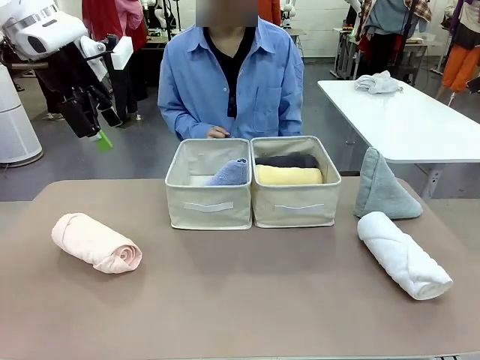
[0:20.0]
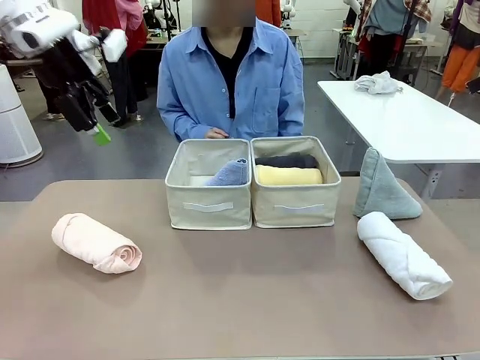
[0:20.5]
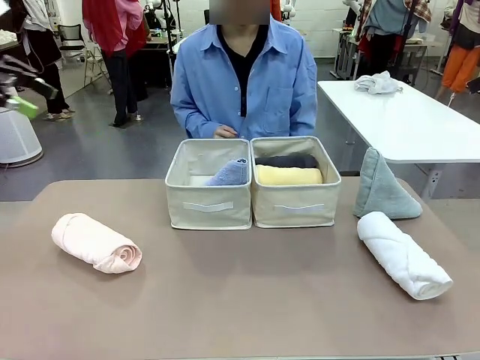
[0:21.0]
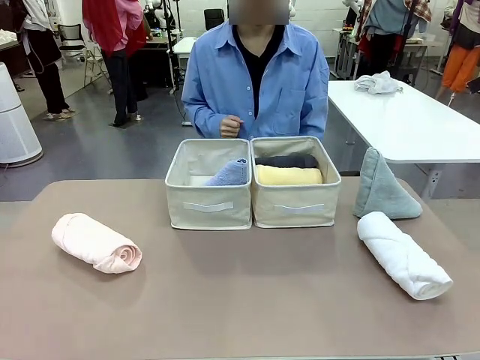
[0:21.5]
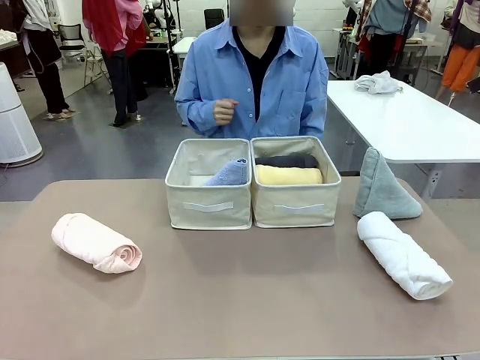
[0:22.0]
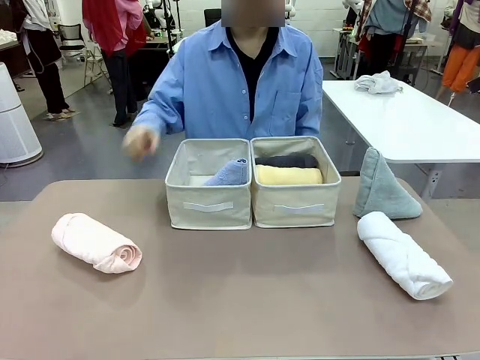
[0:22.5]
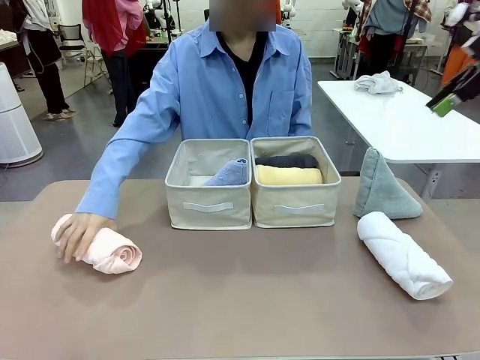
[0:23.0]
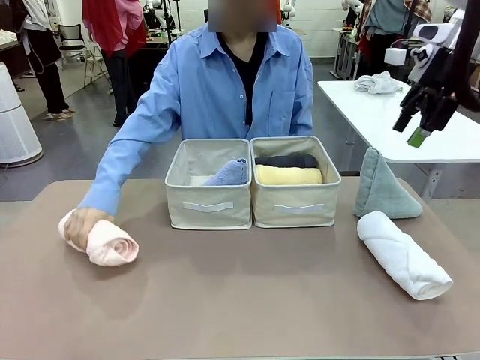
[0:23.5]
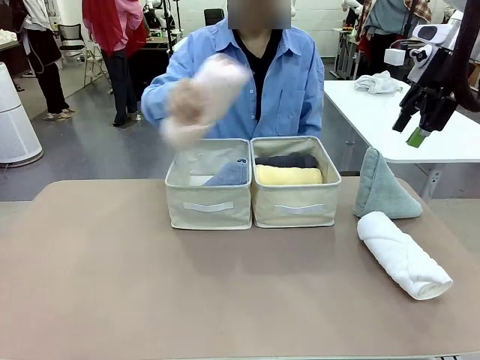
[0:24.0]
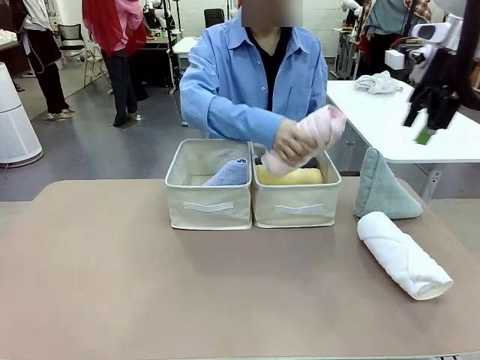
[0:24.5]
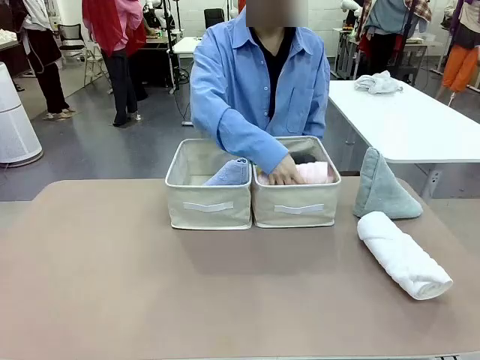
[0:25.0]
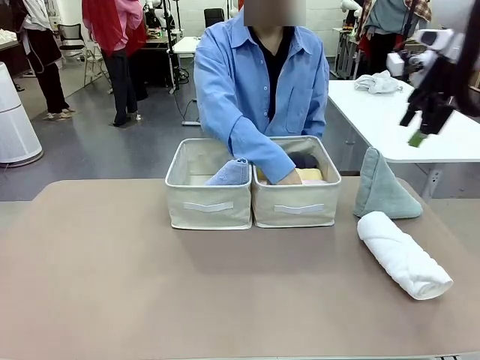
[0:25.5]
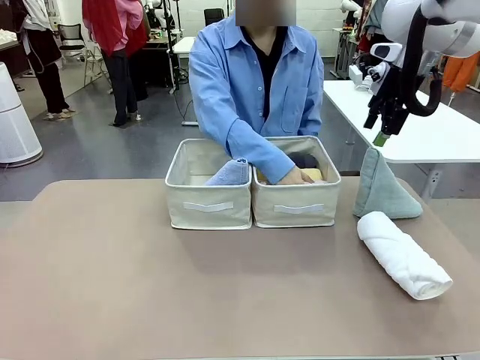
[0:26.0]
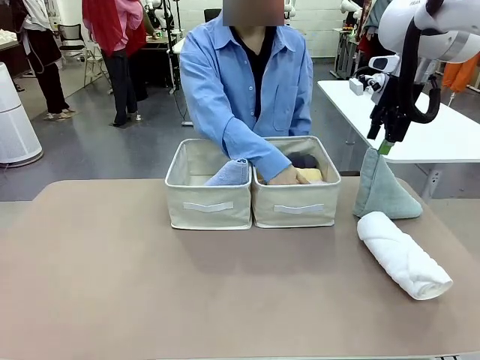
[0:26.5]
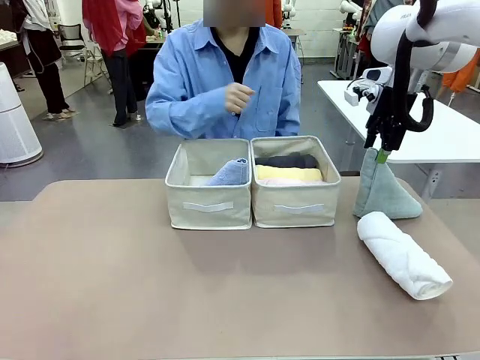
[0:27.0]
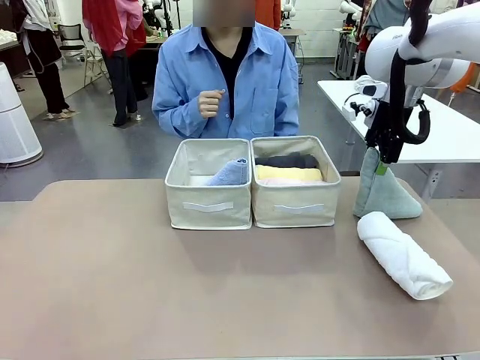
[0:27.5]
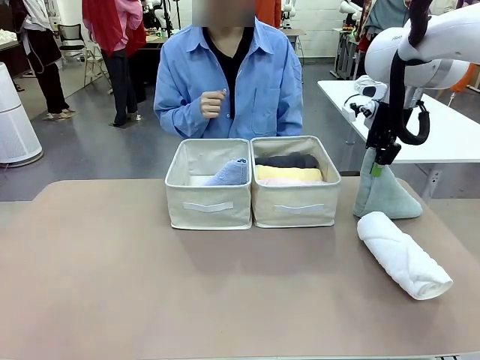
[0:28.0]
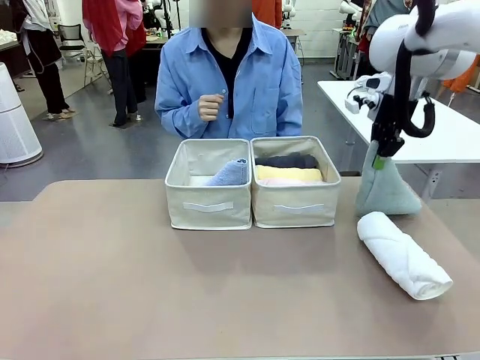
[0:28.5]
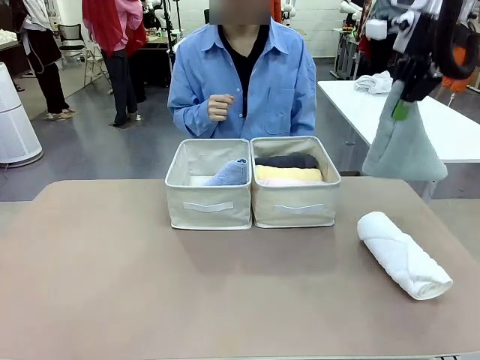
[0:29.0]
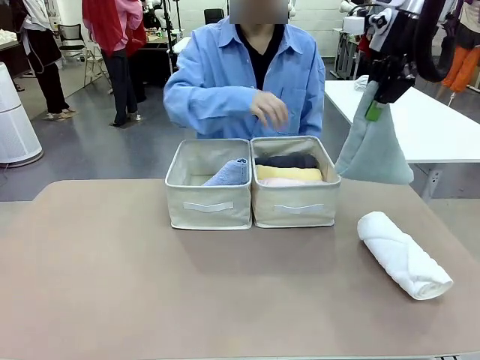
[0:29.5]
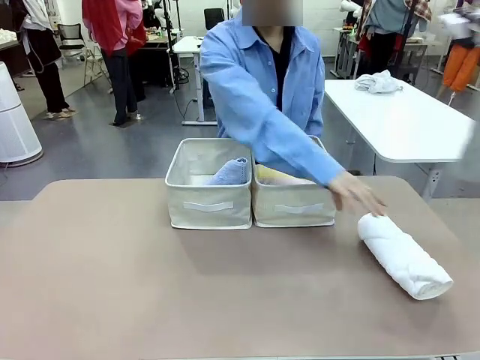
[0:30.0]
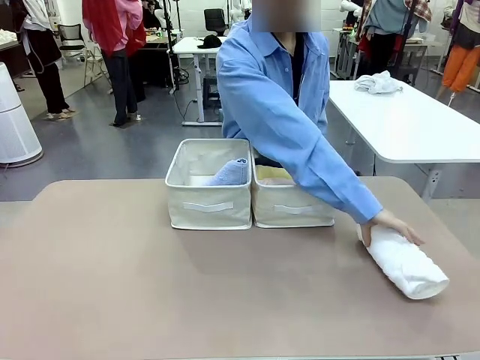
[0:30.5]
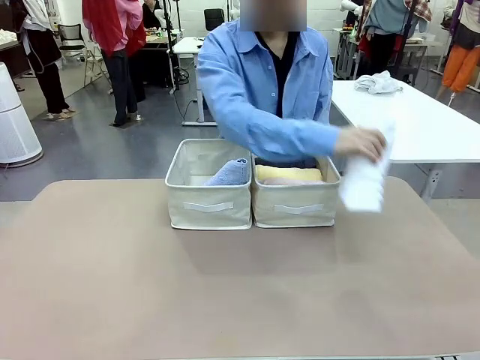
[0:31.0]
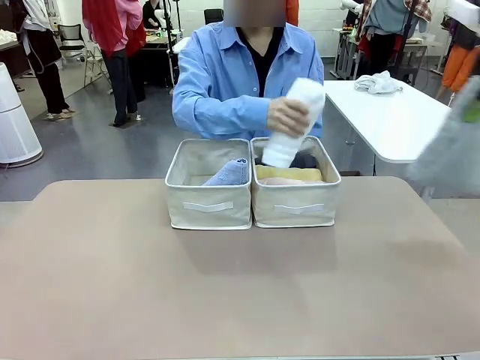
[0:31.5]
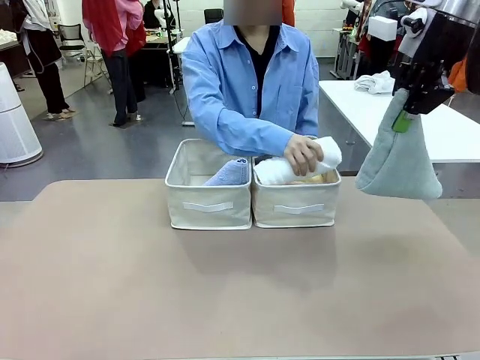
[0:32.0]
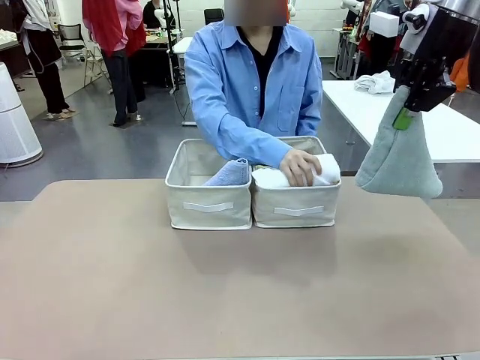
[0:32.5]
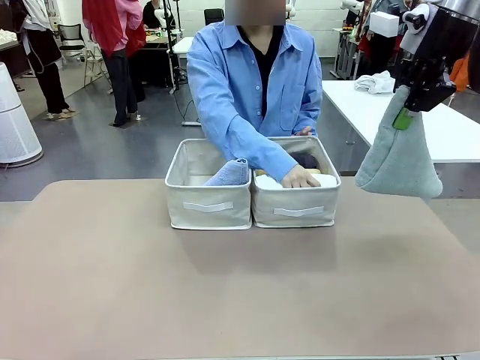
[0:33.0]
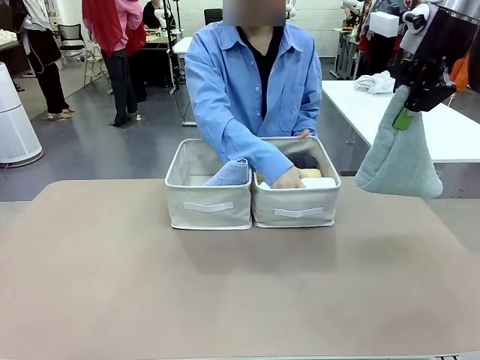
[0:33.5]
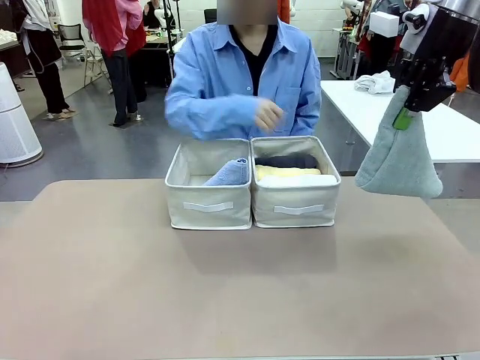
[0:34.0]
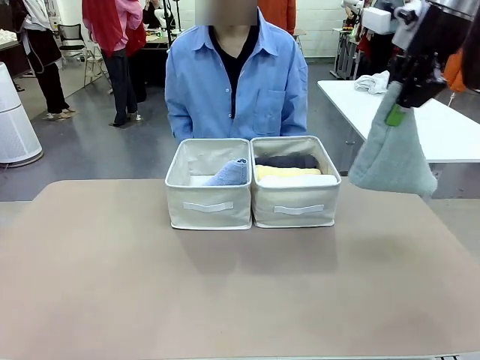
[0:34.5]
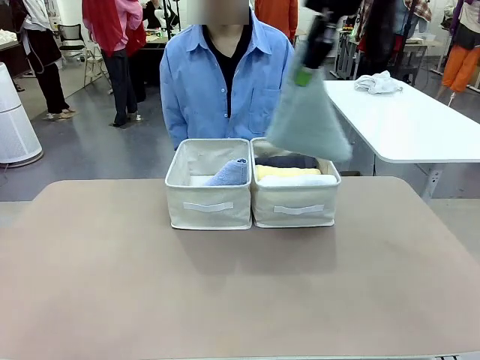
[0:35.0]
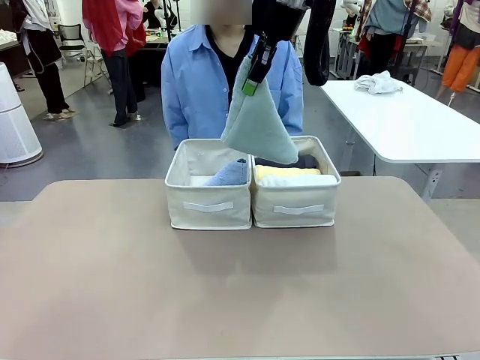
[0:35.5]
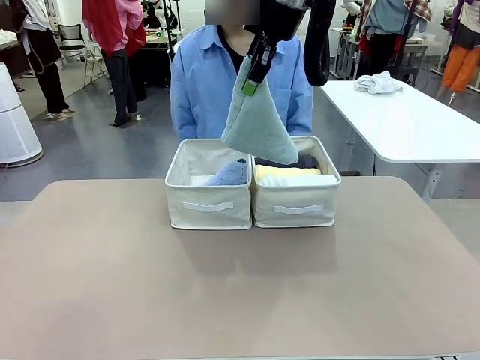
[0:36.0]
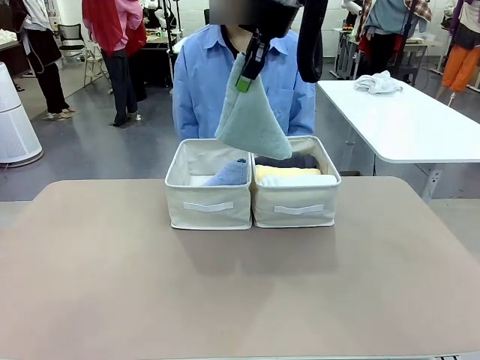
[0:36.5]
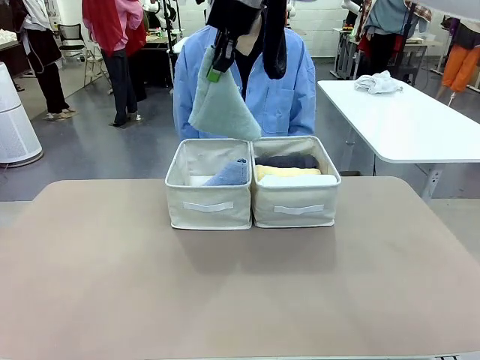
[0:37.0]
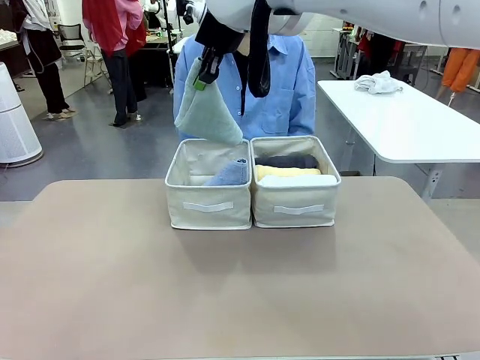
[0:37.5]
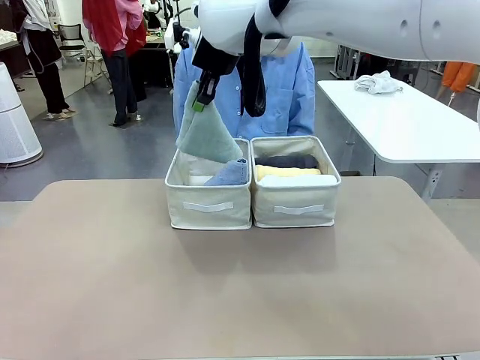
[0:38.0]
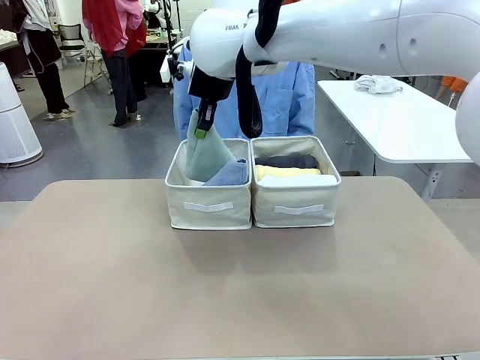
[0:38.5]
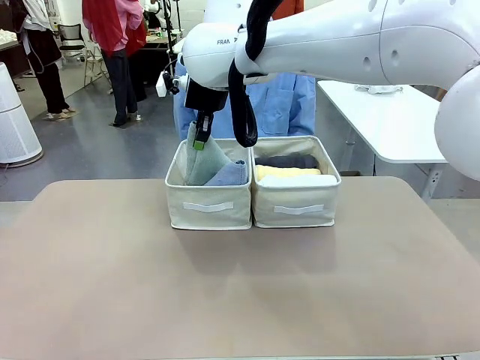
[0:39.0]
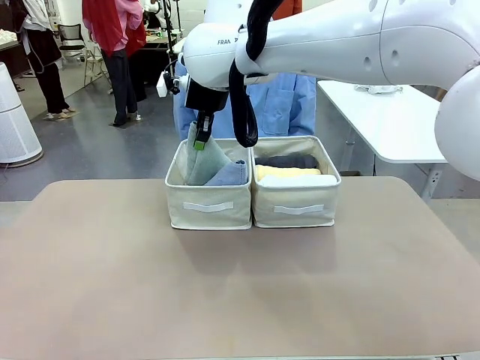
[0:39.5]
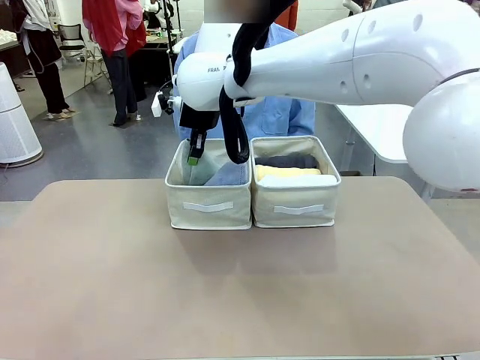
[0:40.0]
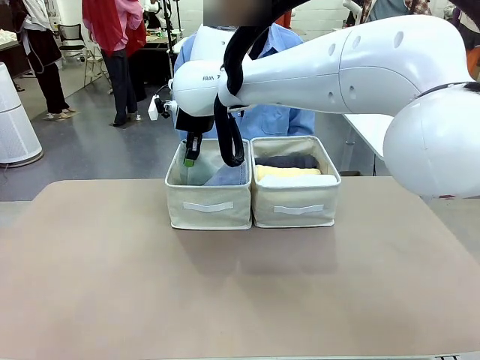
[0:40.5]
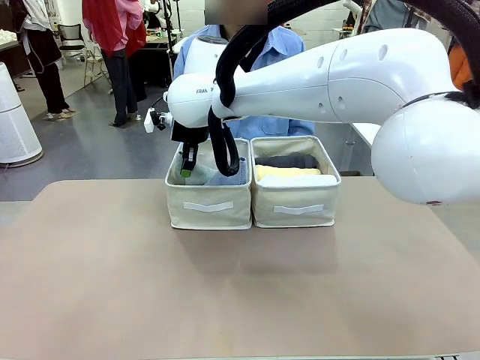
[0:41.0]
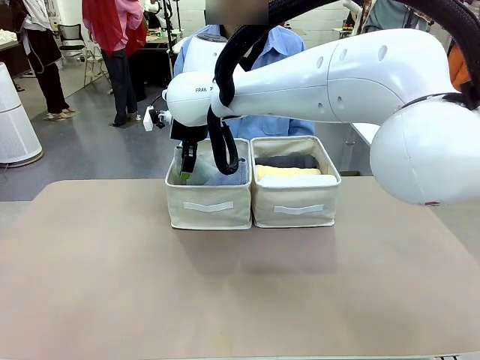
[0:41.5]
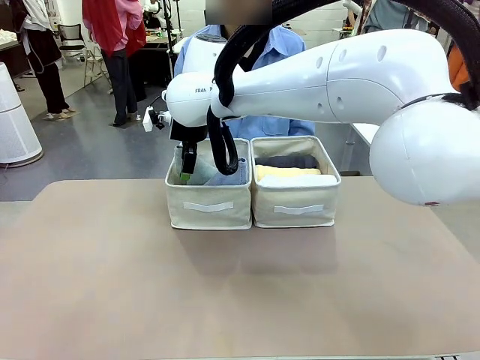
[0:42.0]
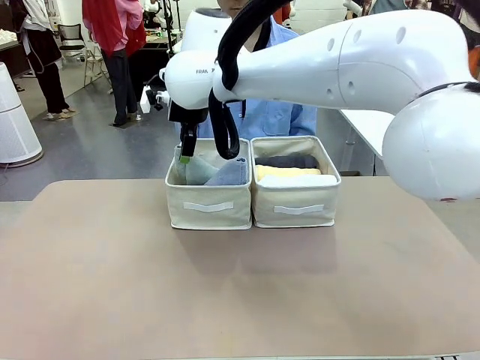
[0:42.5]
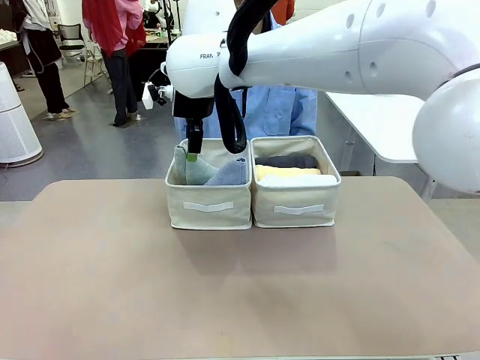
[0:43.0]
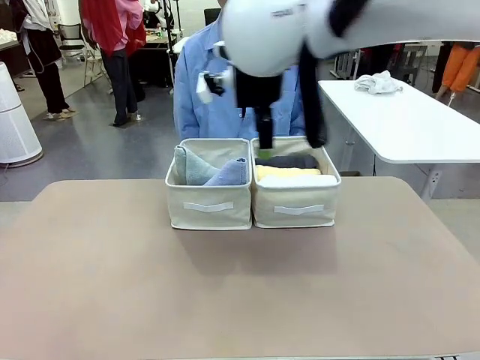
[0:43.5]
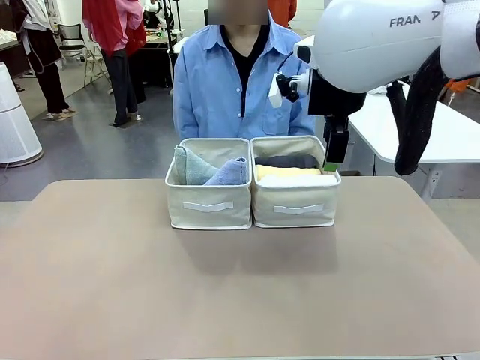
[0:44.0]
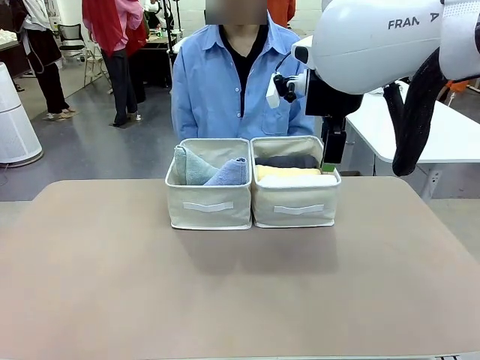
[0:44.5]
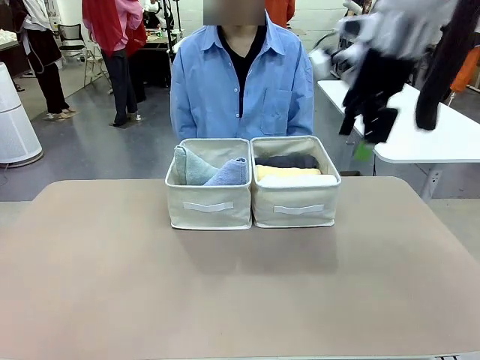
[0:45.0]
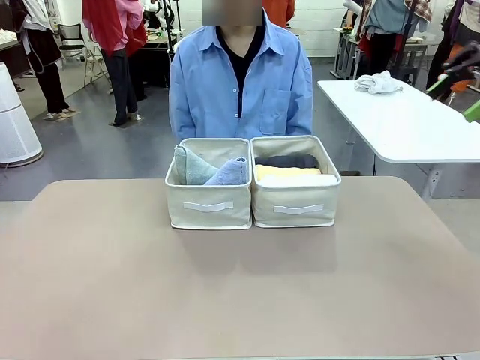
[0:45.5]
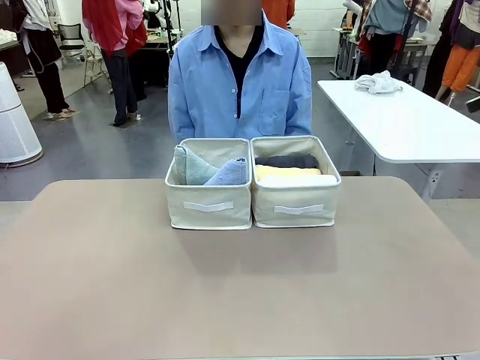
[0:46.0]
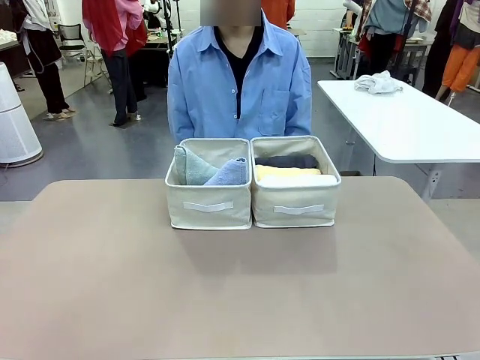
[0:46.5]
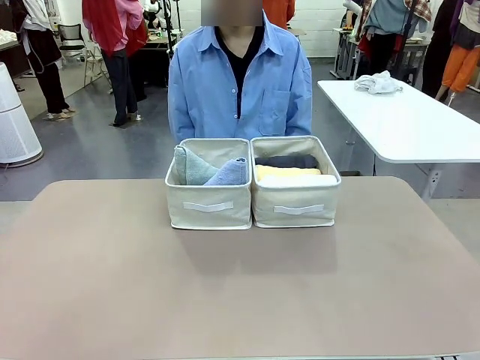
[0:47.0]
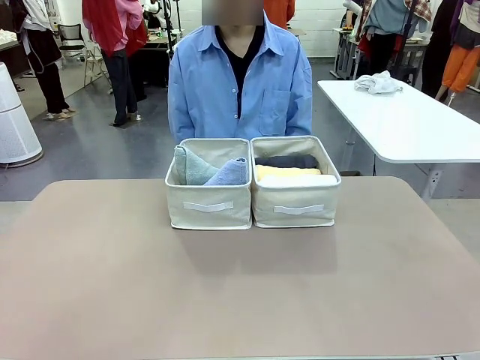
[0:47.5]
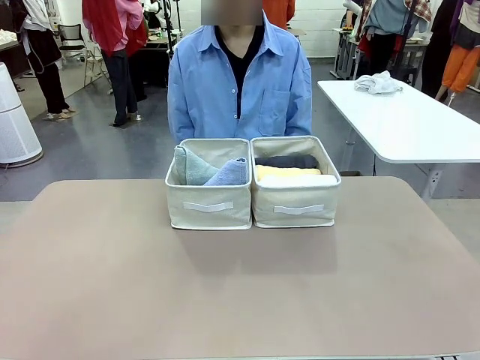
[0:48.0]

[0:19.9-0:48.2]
Task: Sort the towels based on their folding style.
Robot: Pick up another triangle-folded towel from the table and place it in the left Fabric basket.
Person: Pick up one hotel-style rolled towel from the table and place it in the left fabric basket.
